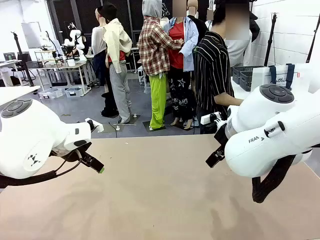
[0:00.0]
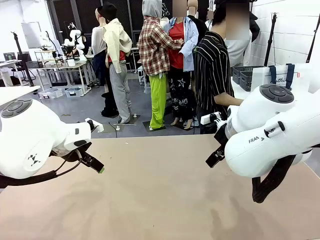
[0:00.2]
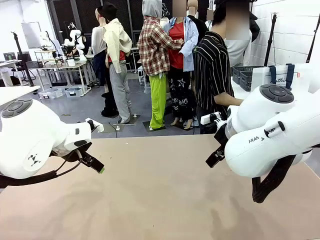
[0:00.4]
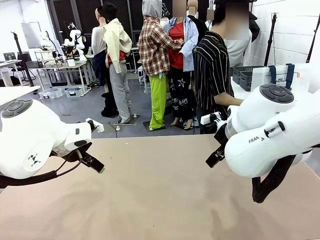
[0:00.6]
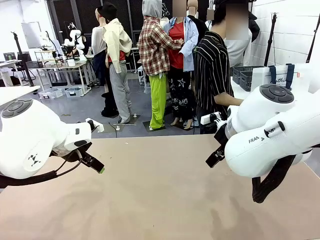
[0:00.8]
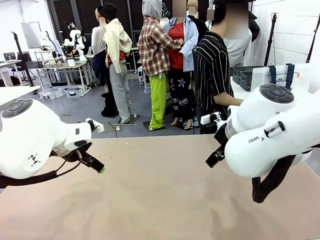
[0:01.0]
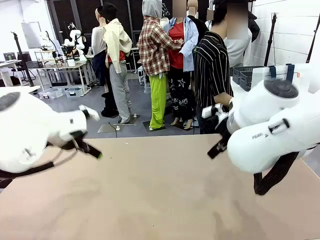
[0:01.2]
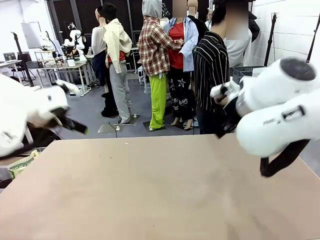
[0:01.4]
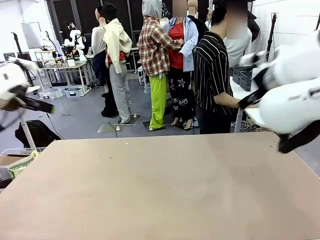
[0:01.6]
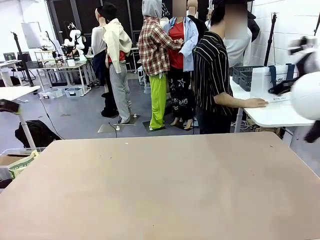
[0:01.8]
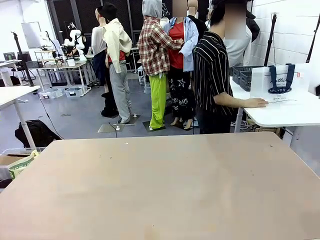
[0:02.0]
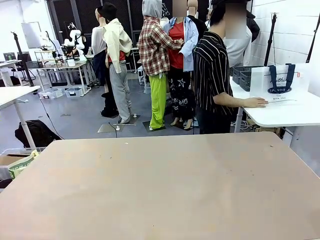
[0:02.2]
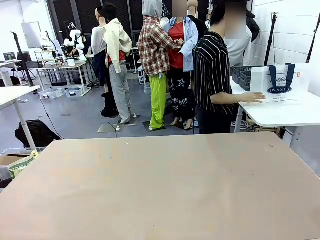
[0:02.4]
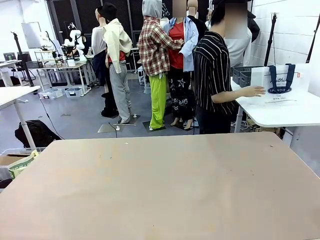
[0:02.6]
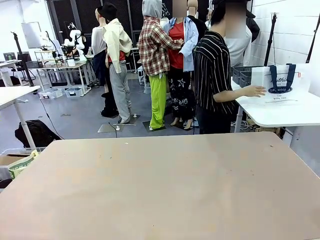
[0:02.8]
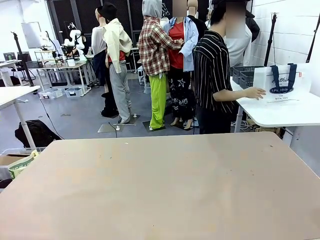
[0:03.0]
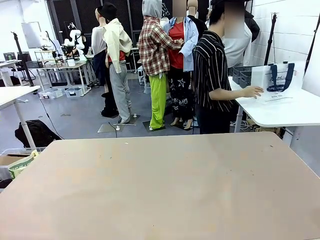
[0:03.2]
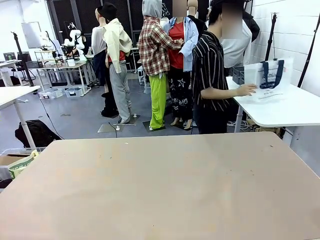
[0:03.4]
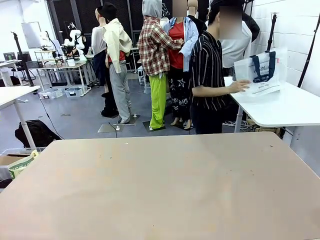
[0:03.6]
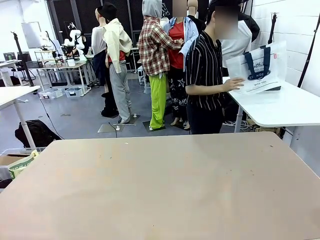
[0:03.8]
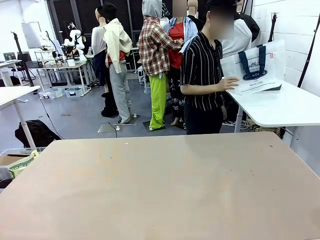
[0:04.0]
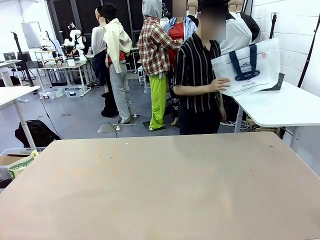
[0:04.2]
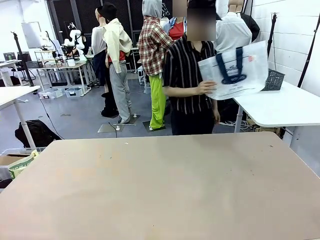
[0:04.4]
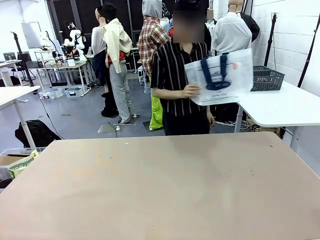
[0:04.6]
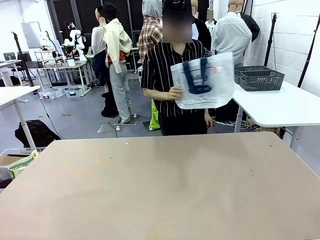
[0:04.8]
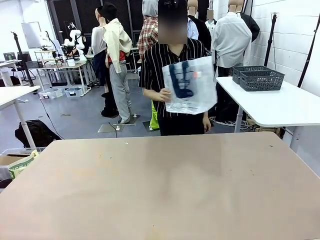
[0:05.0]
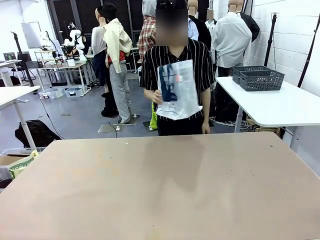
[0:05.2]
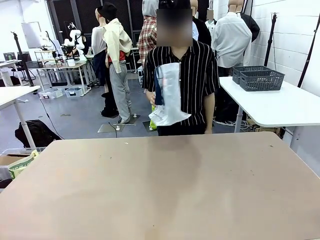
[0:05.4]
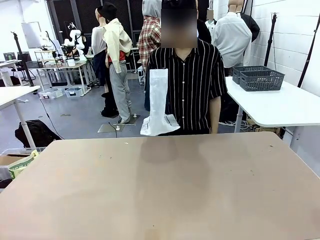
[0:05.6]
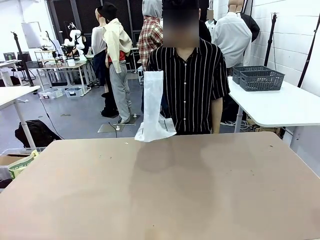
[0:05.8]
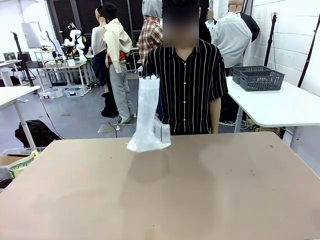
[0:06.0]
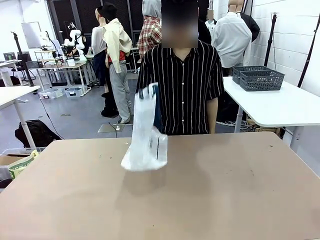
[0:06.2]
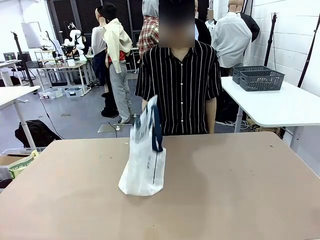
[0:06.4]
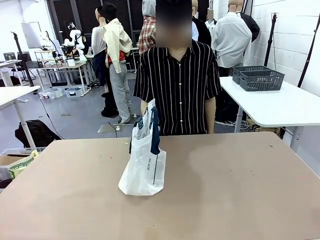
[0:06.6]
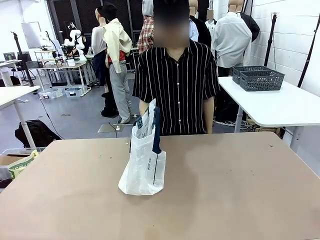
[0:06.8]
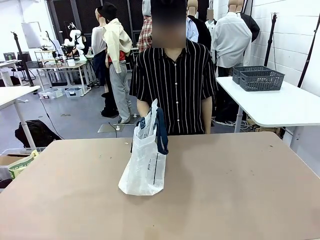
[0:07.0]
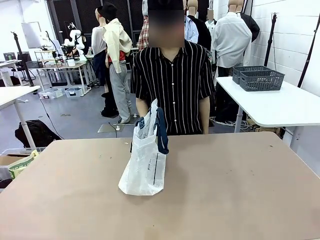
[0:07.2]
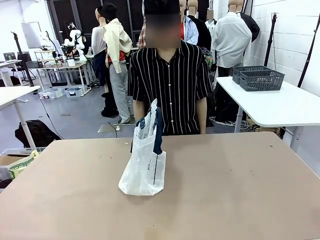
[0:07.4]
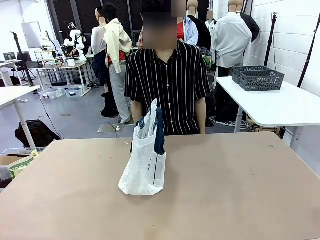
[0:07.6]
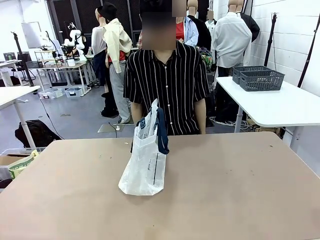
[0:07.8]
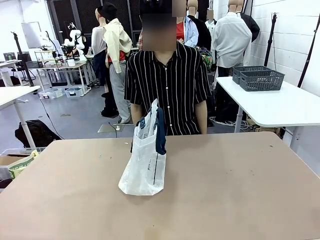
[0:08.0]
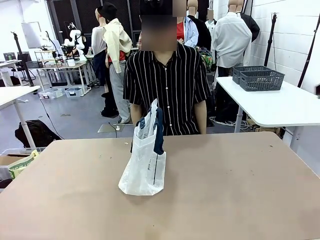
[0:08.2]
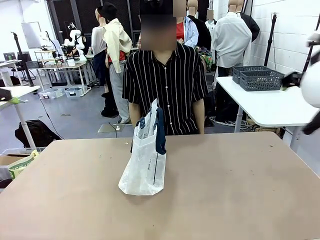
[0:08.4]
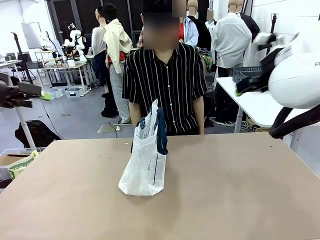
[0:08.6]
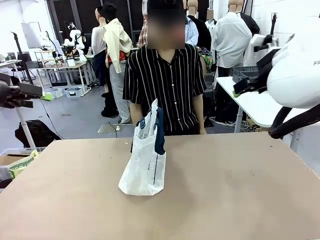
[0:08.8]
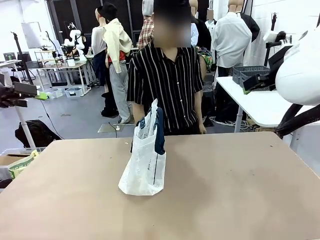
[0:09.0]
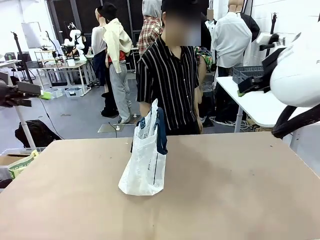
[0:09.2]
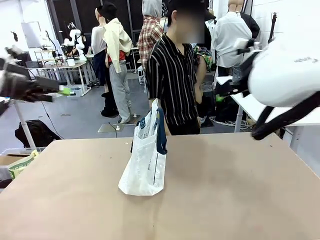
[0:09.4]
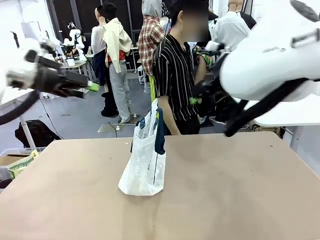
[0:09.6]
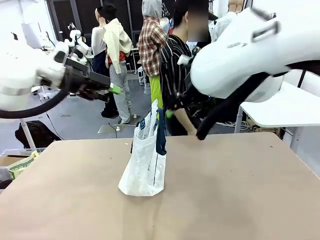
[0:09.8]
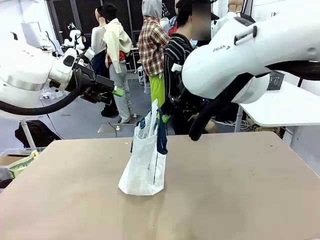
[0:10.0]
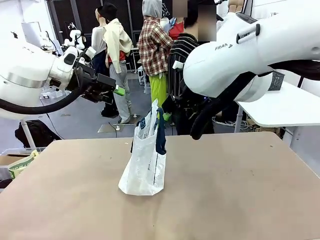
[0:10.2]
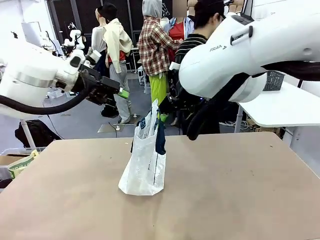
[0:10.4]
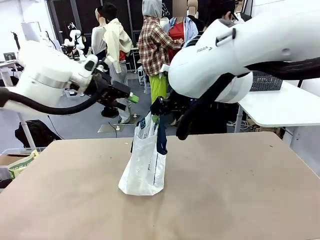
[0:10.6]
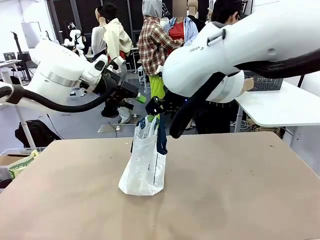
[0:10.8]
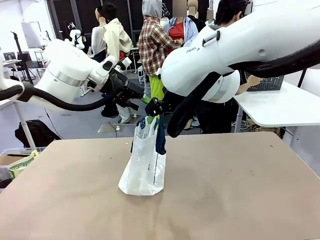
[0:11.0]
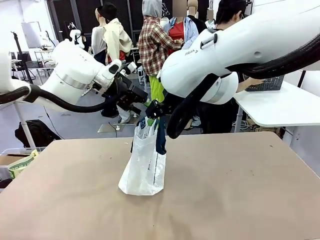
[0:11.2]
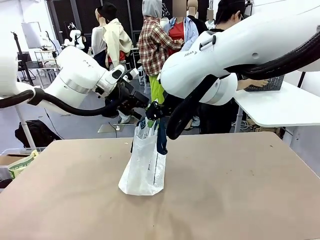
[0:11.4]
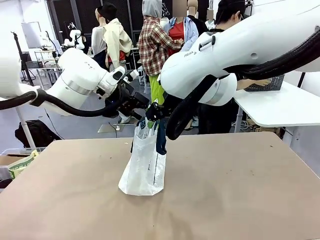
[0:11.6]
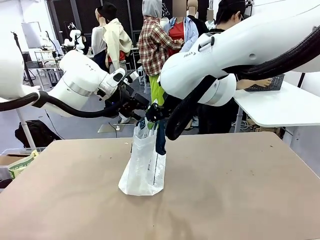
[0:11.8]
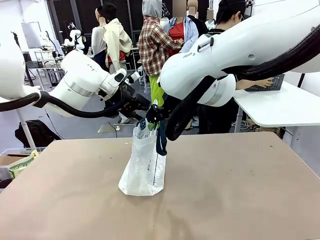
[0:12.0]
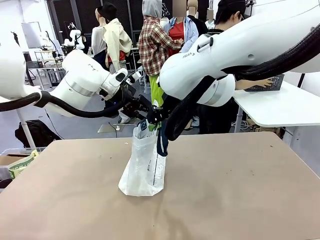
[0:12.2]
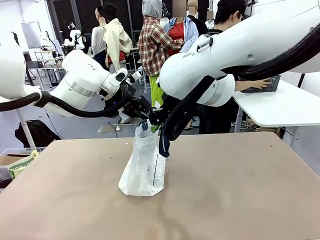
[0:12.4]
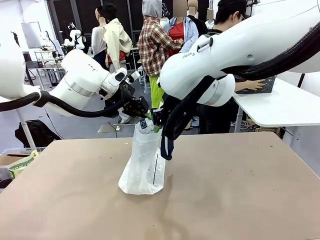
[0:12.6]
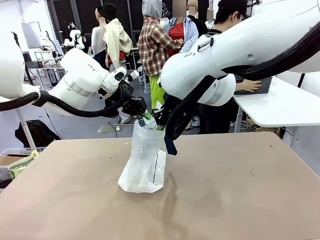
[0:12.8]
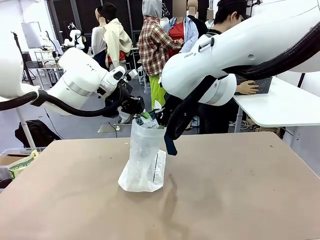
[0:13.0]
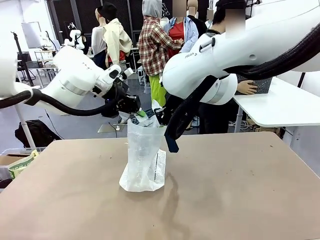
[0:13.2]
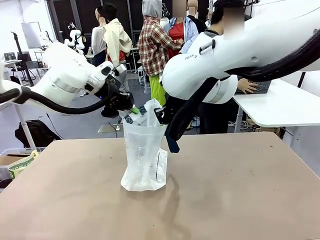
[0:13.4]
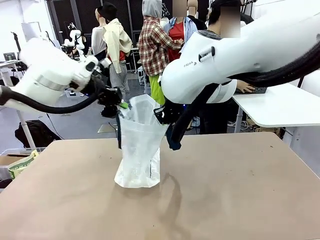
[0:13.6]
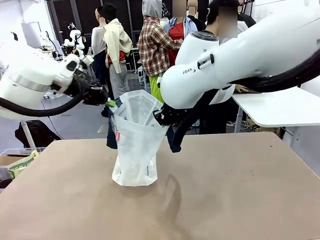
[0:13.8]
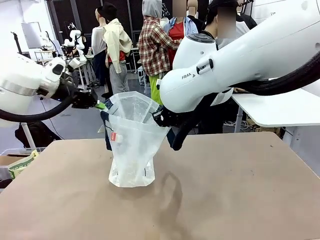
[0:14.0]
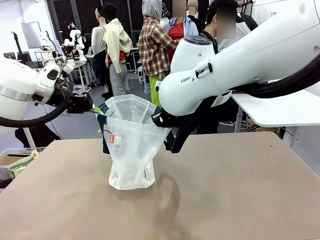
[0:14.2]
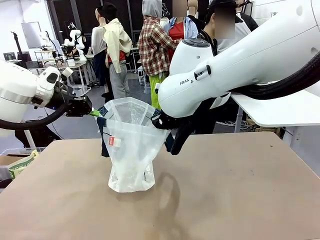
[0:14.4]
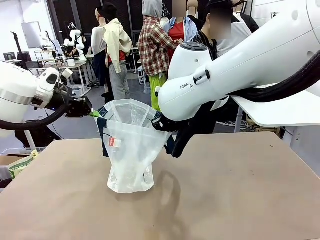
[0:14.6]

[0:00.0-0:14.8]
Task: Transfer purchased items from the store into the shopping bag.
Robot: Open the Reusable shopping bag in the center of the table.
Person: Pick up the shopping bag and place it in the middle of the robot table. Pick up the basket on the right, place it on the left side of the robot table, and move the items in the basket to the shopping bag.
